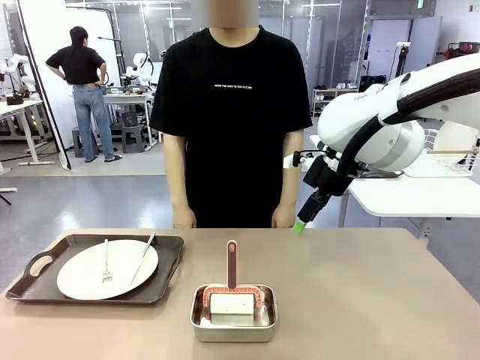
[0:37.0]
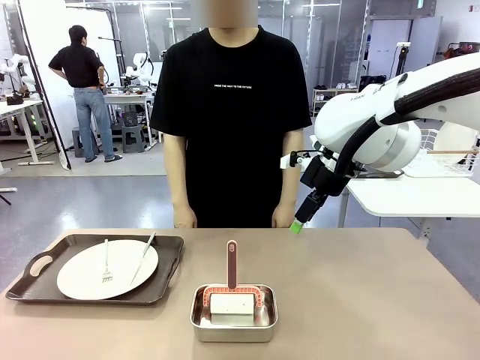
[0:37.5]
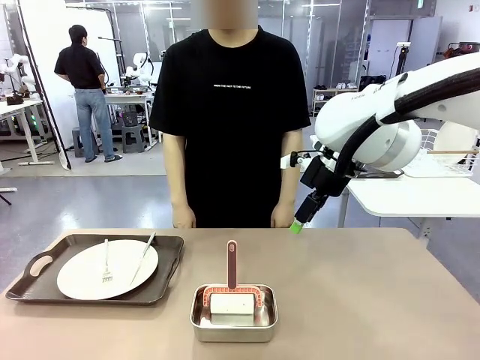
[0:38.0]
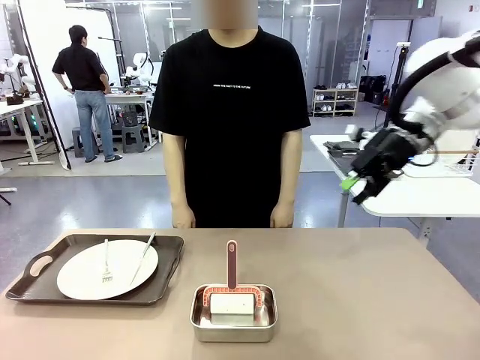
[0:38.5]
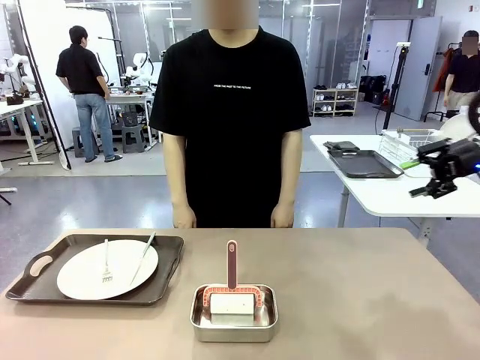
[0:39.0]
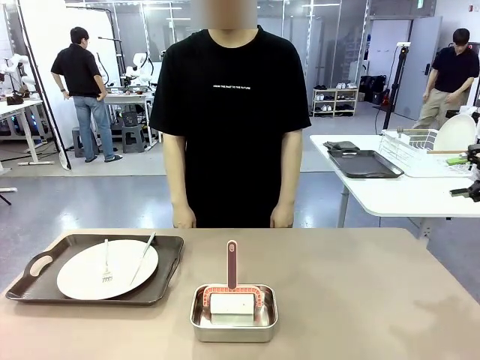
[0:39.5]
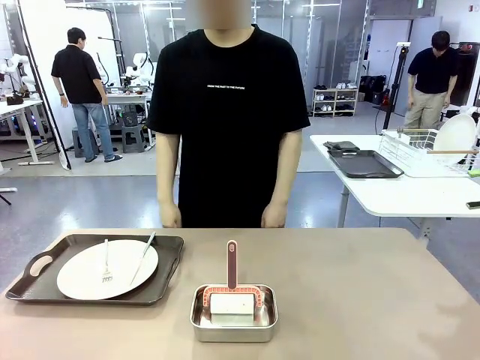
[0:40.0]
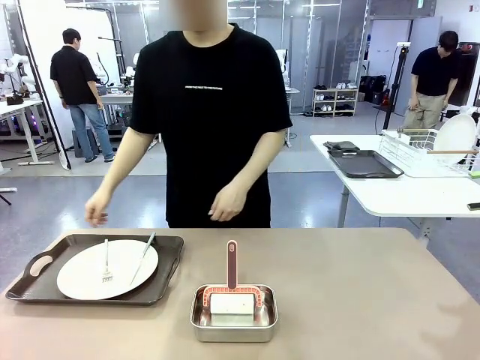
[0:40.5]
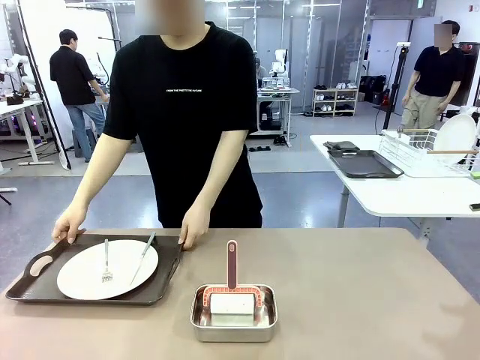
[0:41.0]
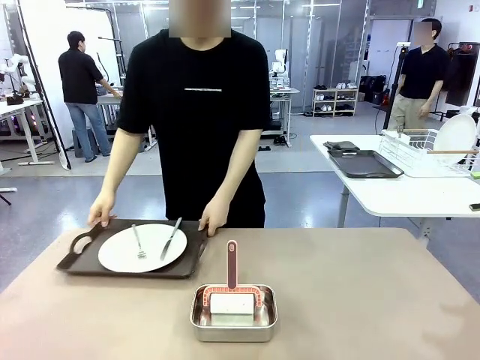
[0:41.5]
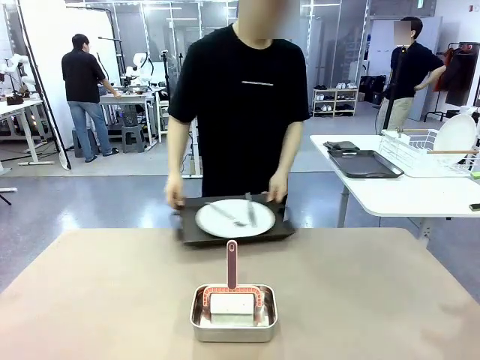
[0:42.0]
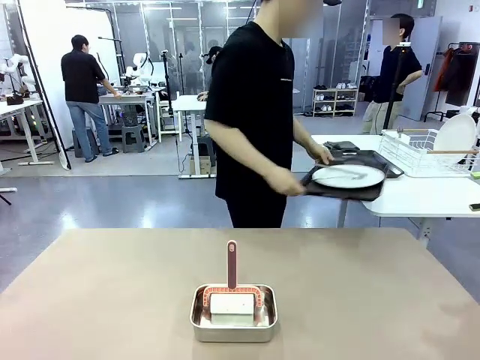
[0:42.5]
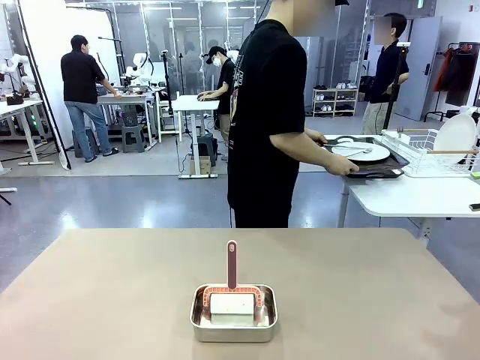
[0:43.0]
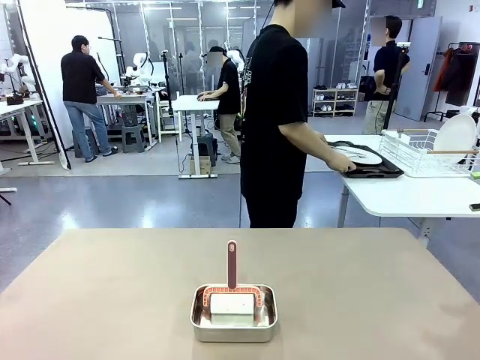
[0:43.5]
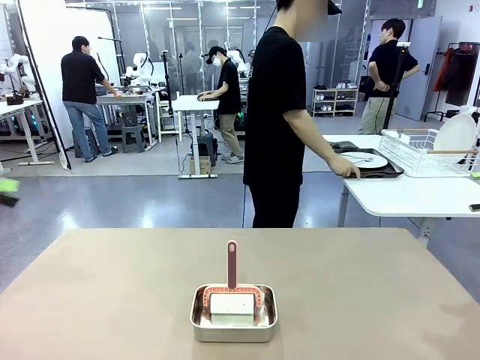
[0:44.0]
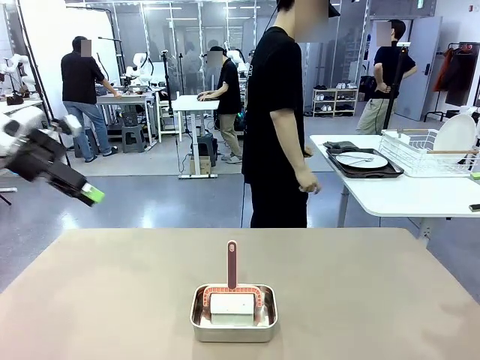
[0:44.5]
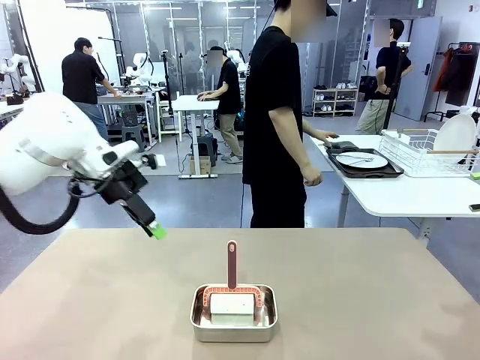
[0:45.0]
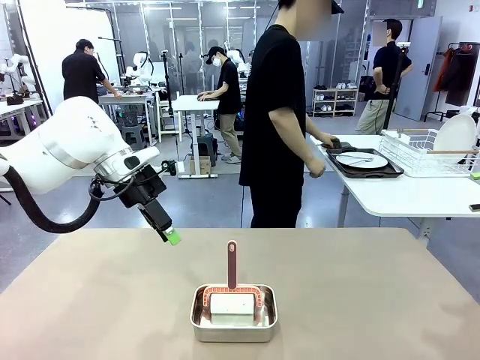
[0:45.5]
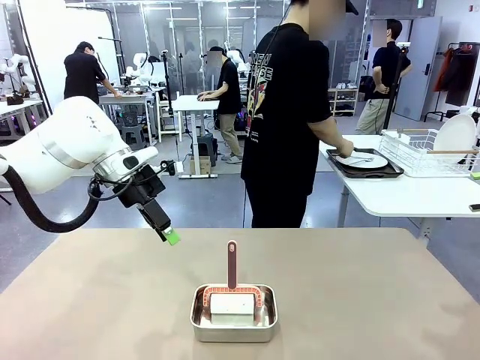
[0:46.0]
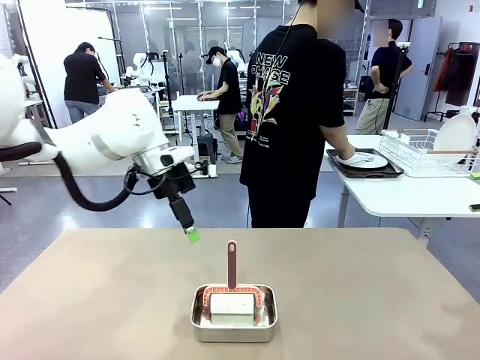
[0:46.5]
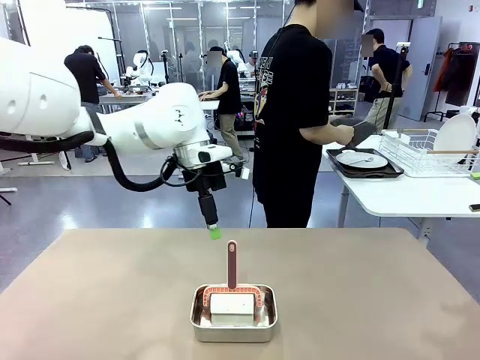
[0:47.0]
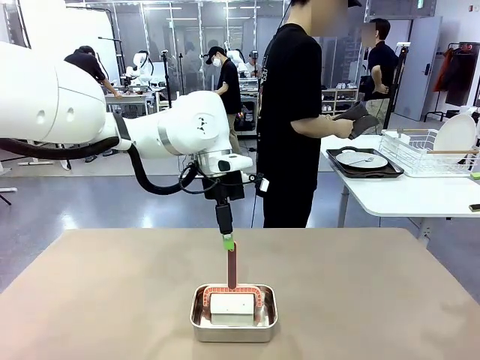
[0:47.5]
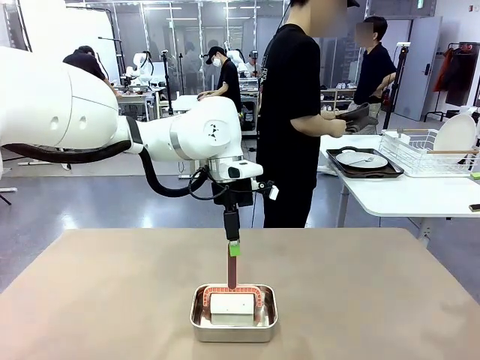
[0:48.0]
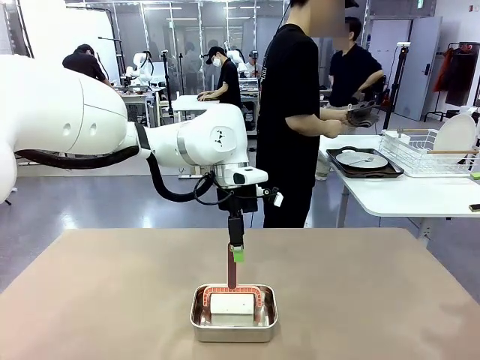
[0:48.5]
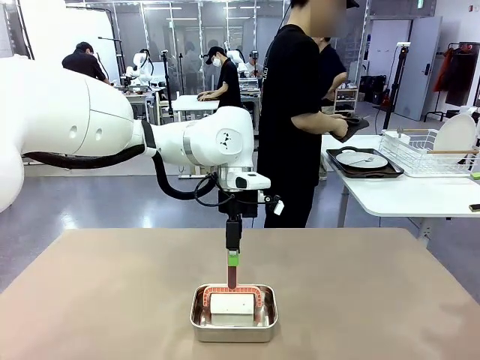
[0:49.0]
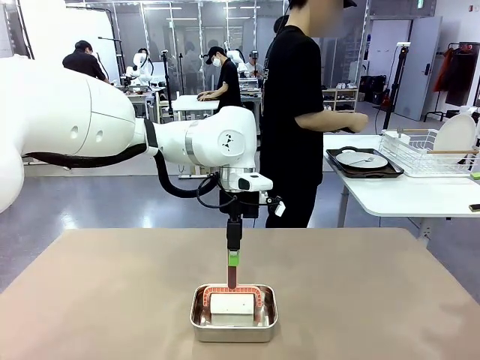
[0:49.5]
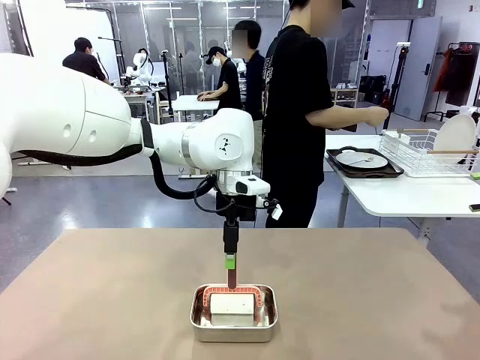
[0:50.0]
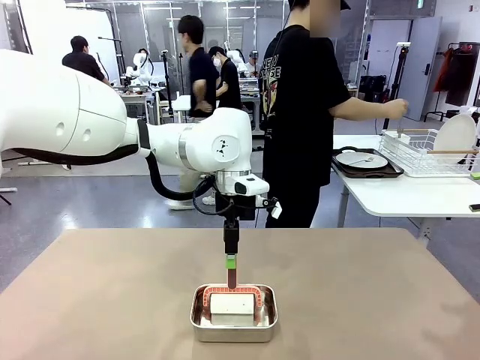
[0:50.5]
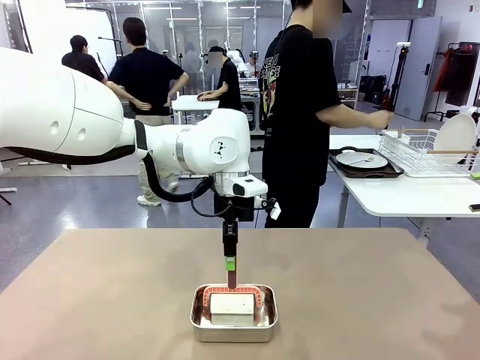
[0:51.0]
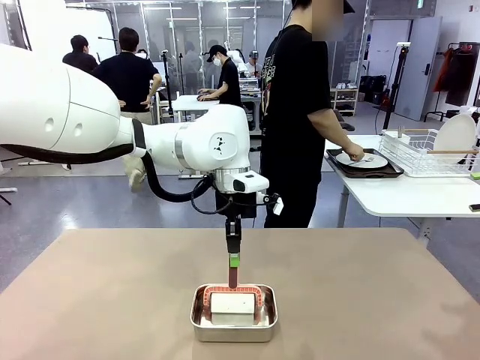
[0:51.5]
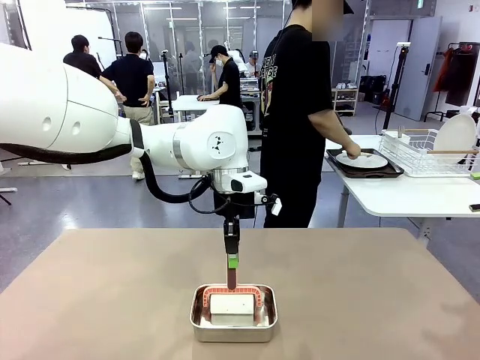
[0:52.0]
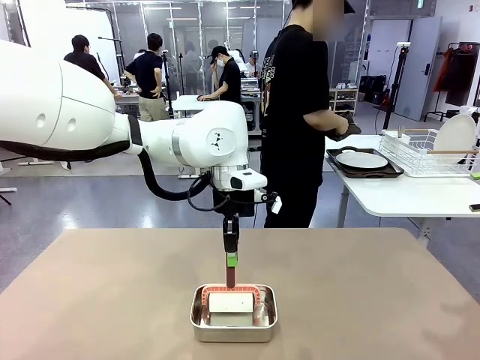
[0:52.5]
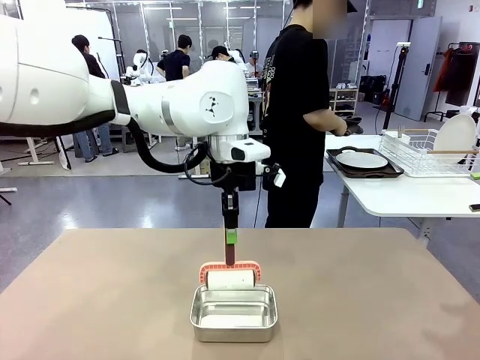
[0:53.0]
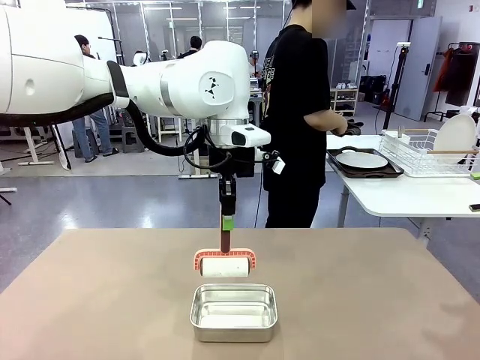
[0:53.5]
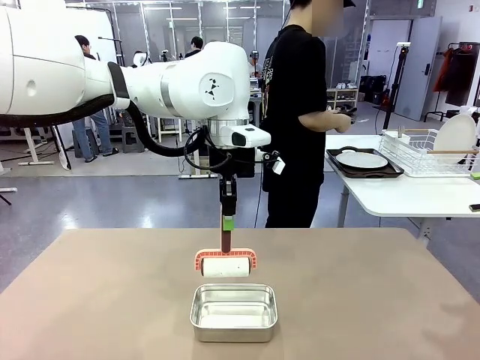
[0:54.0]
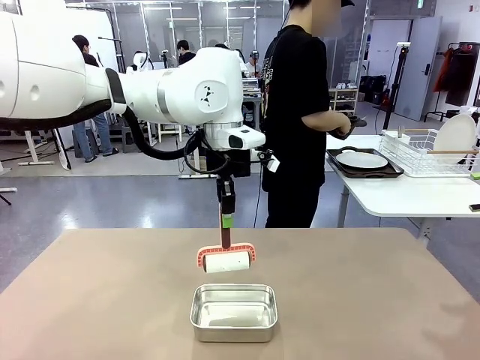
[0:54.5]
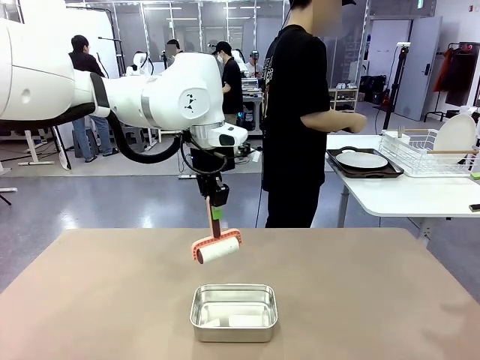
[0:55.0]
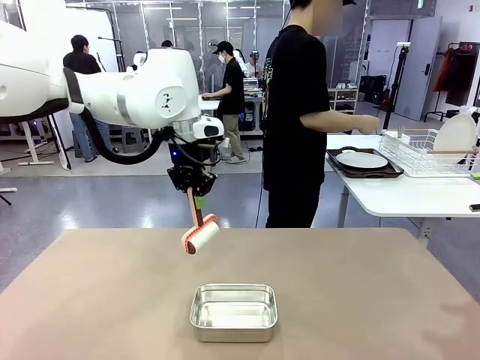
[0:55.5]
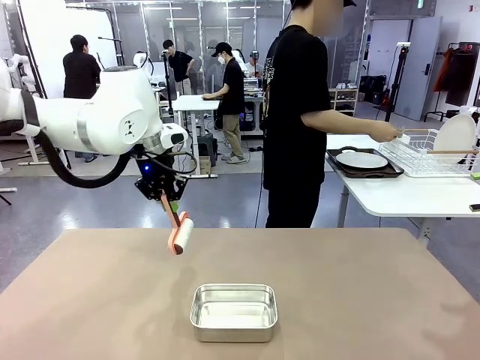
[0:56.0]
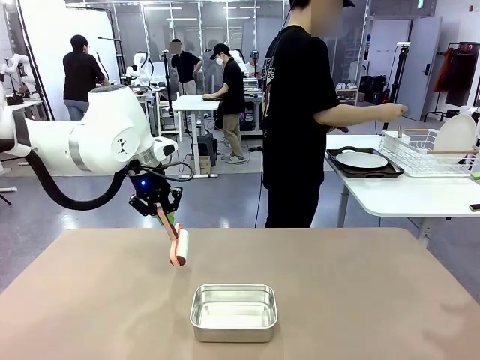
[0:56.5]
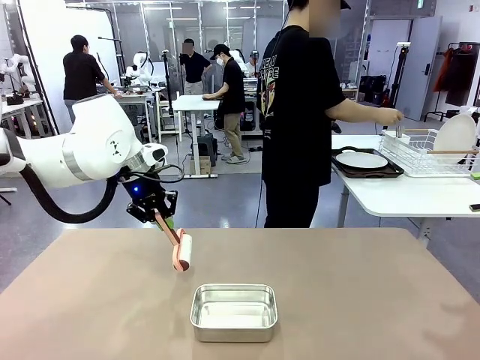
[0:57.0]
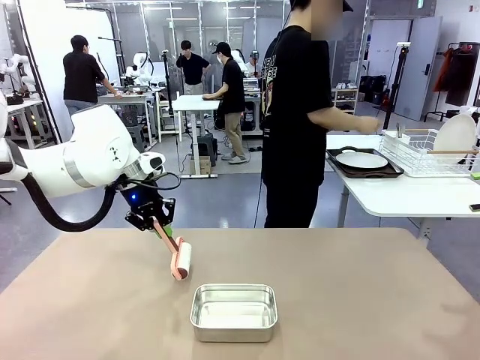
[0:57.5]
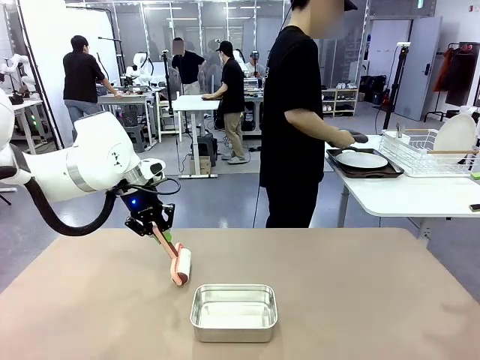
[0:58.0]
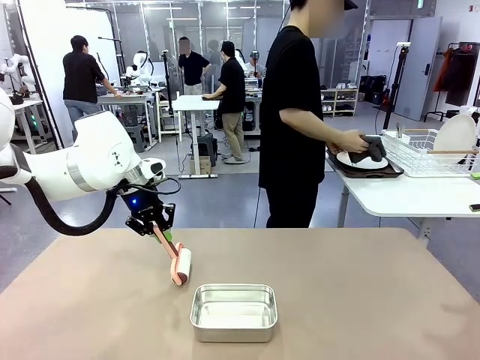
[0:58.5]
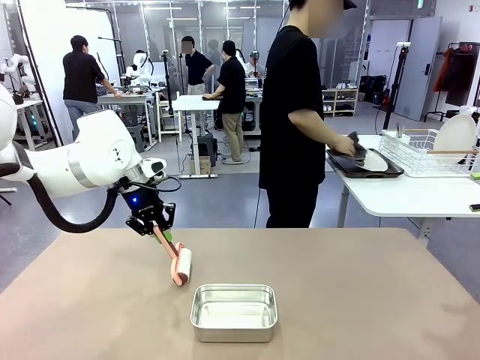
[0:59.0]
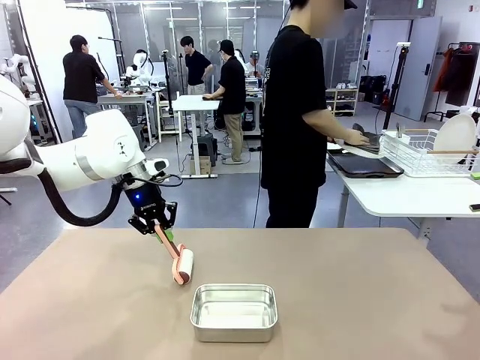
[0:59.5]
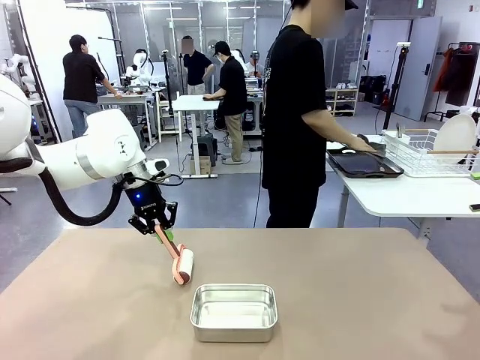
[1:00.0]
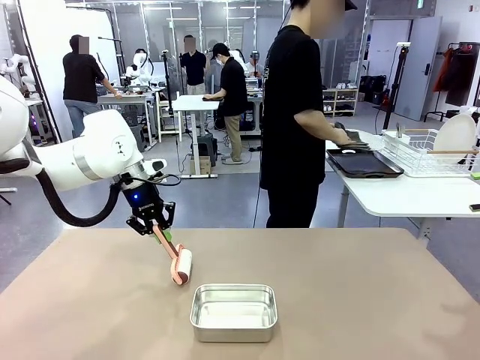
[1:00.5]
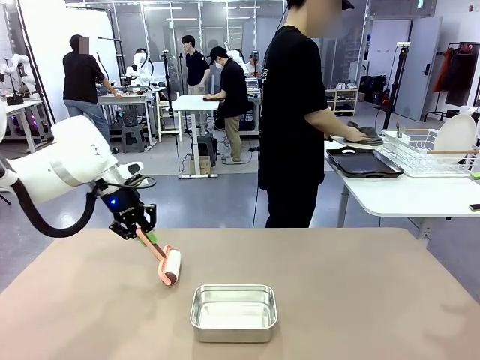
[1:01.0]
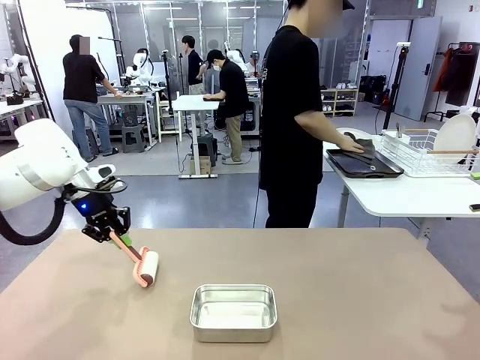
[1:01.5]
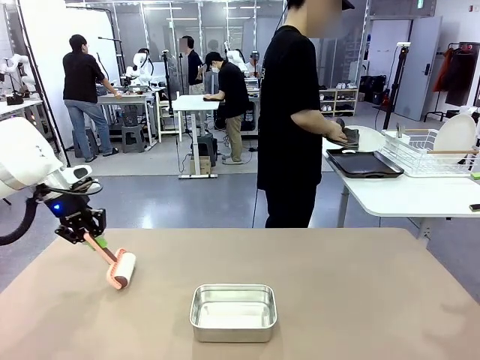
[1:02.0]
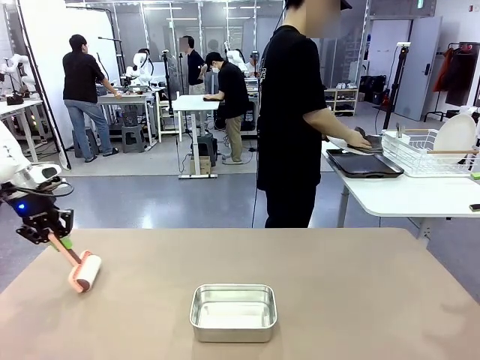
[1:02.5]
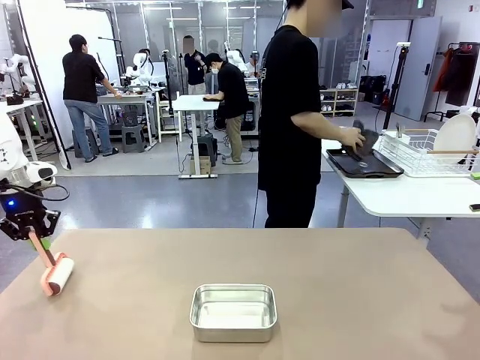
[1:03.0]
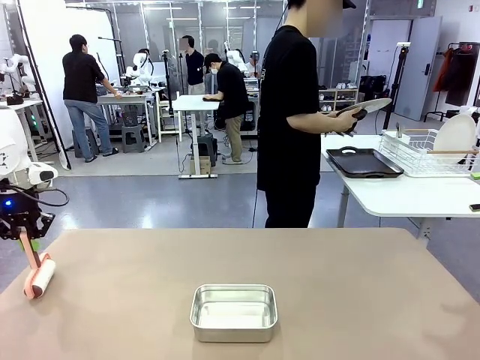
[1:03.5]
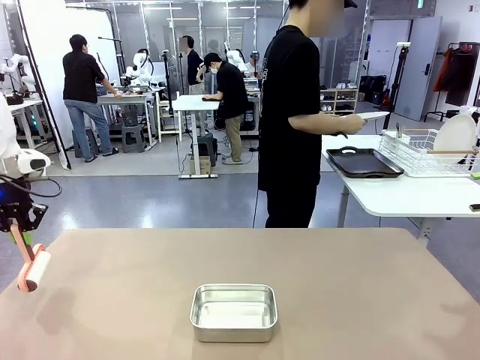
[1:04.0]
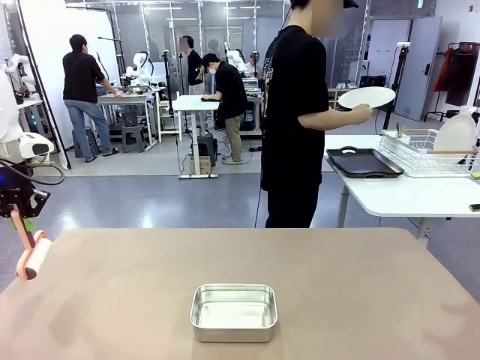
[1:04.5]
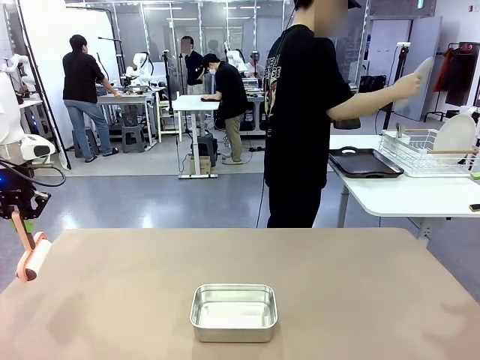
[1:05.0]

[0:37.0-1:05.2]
Robot: When the right (or left) Handle tray is removed, use the right hand (or left hand) to clean the right (or left) side of the table with the Lint Roller.
Person: Pick up the left (or right) Handle tray and place it on the Handle tray. Use the Towel with hook to wipe the Plastic Matte Plate , Fork , and Knife and place into the Dish drying rack.
